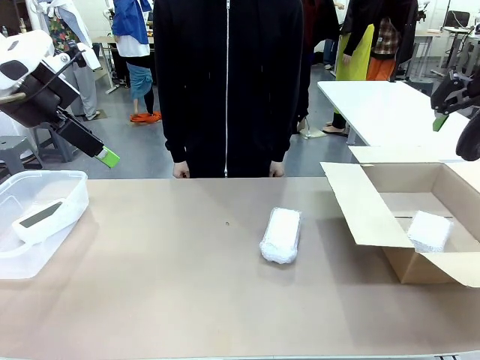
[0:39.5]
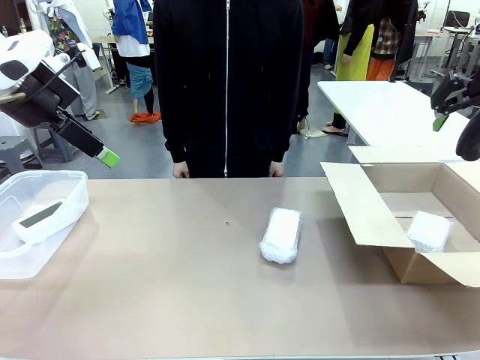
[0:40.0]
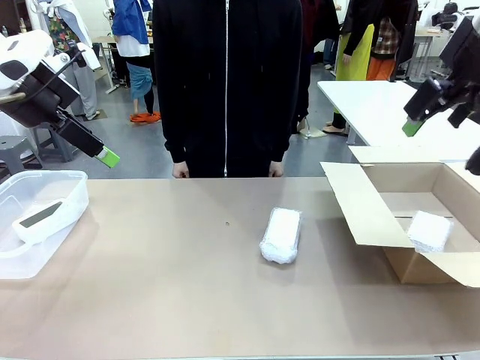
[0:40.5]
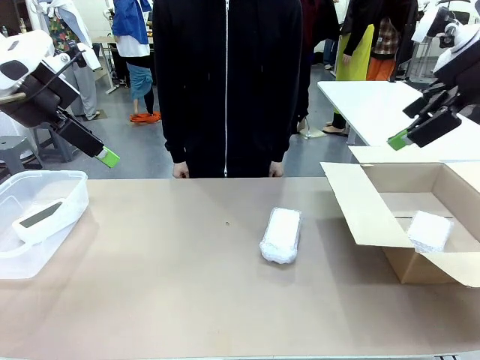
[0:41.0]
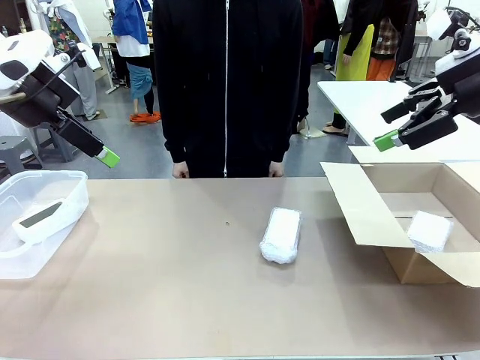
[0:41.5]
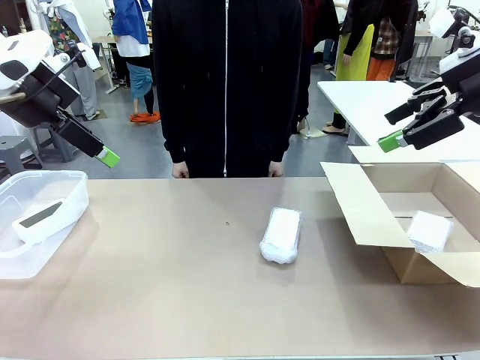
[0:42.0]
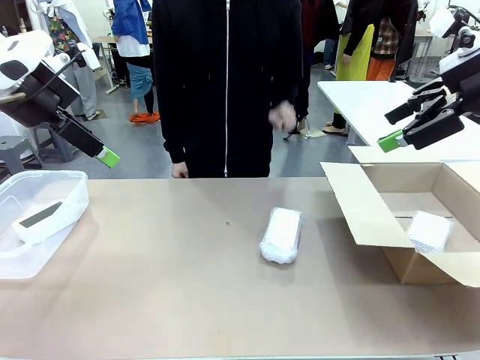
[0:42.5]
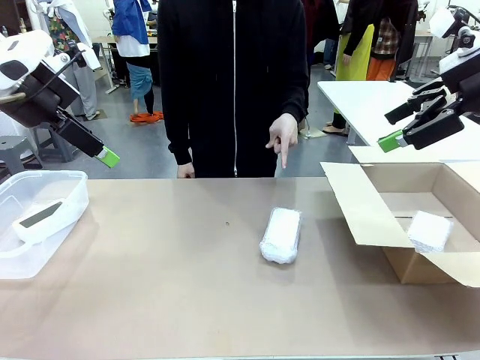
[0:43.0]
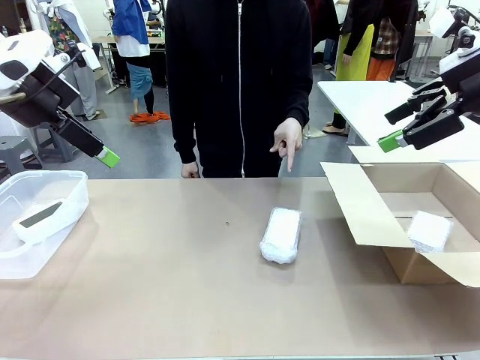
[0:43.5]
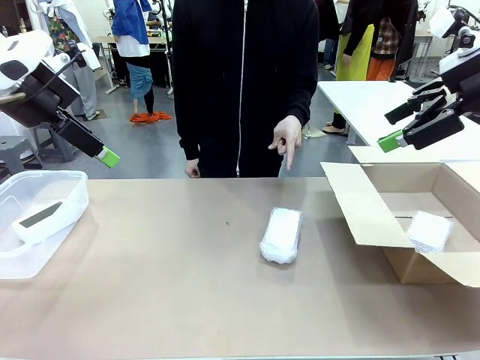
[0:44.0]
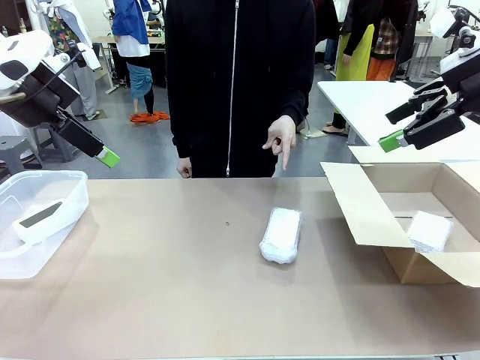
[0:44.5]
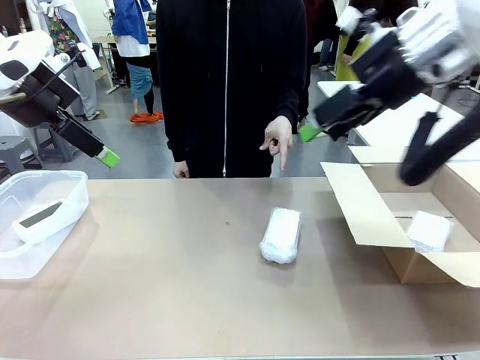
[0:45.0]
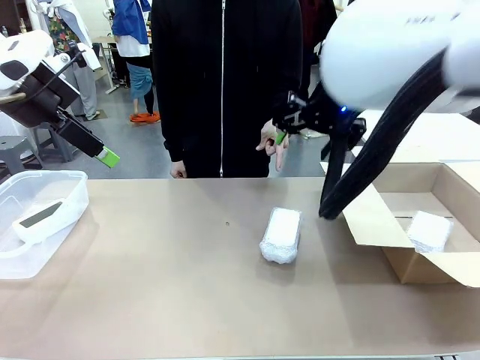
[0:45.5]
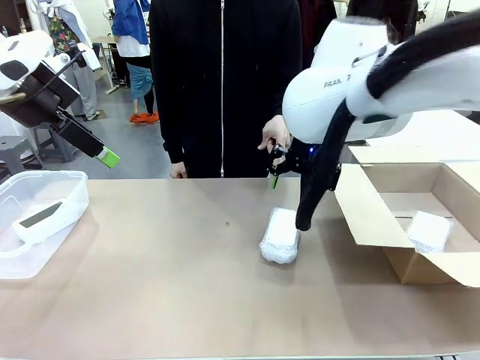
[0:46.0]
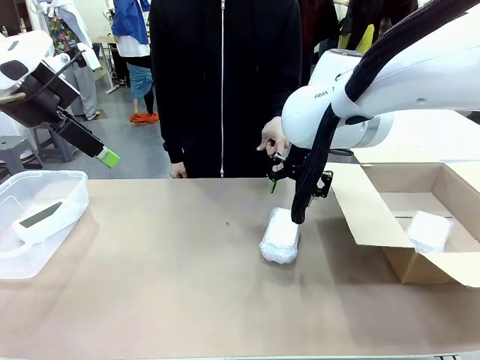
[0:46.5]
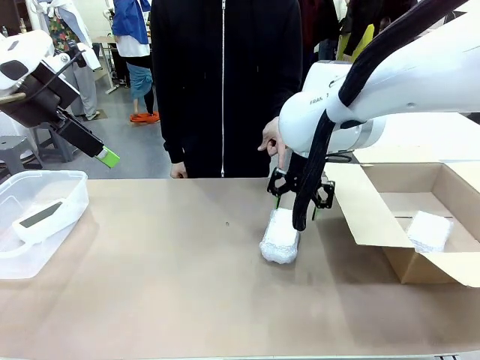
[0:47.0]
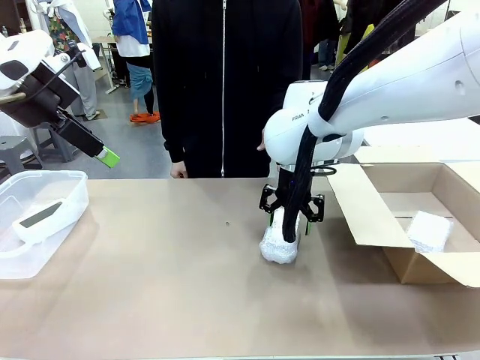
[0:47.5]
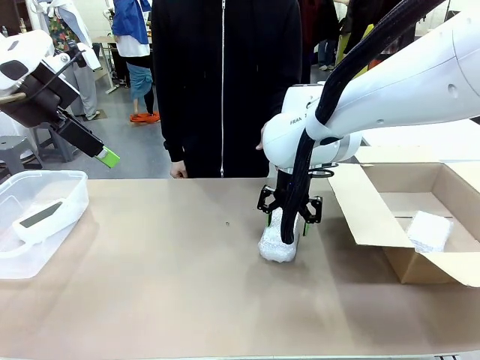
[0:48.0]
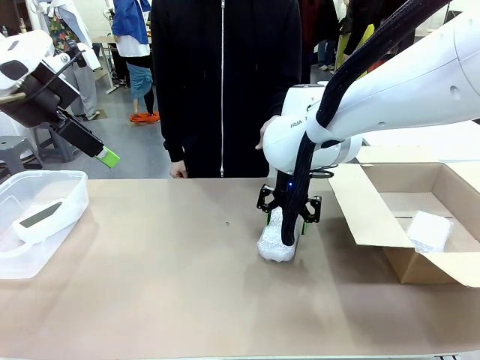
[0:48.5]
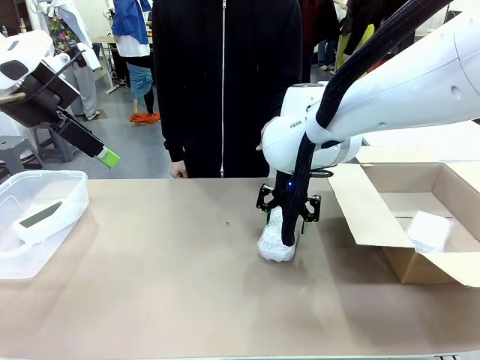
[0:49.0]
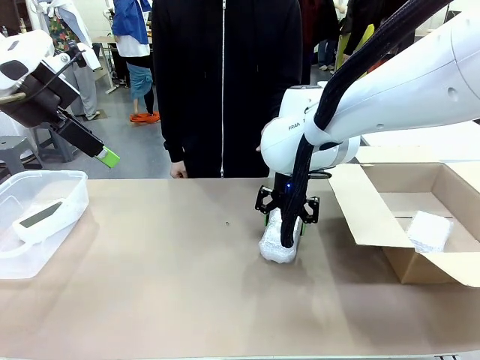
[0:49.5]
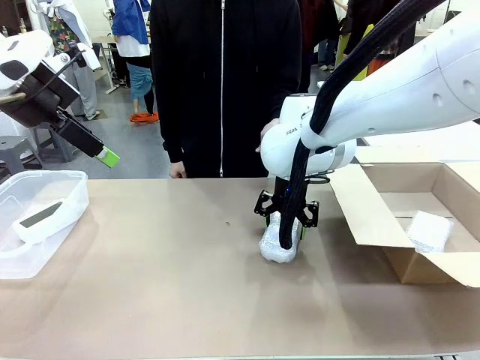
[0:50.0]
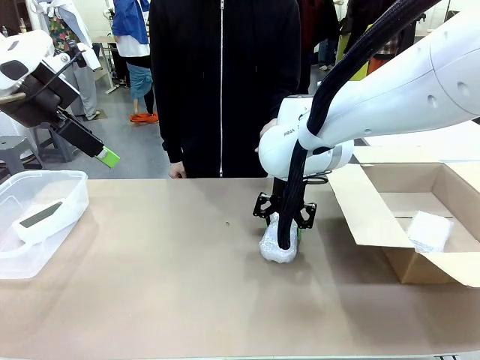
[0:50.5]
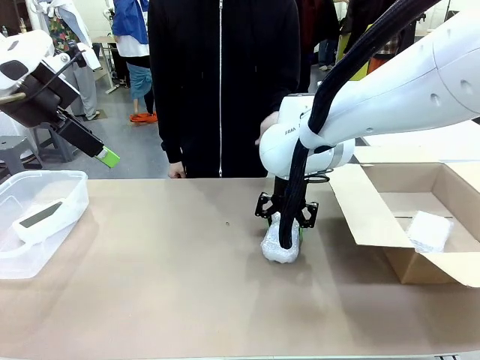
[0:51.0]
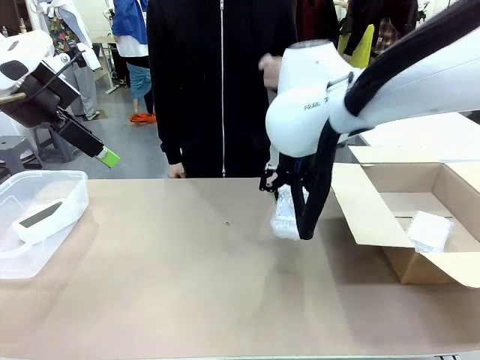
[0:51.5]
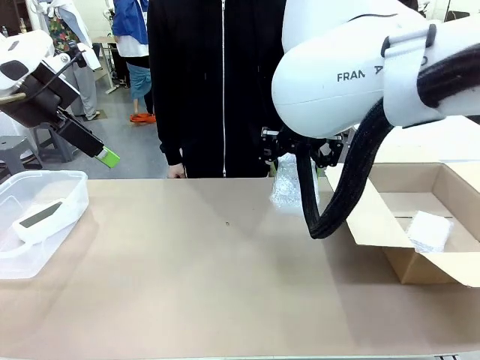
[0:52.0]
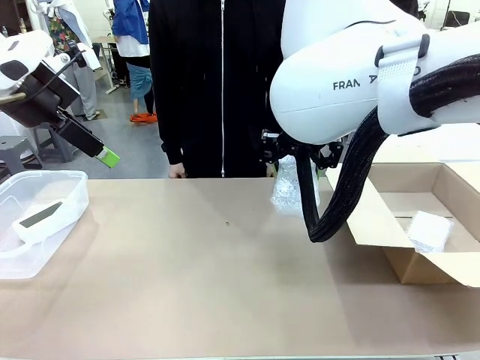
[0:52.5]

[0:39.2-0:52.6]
Task: Separate and place wrapped and unwrapped clocks.
Robot: Pick up the Digital clock indicated by the person.

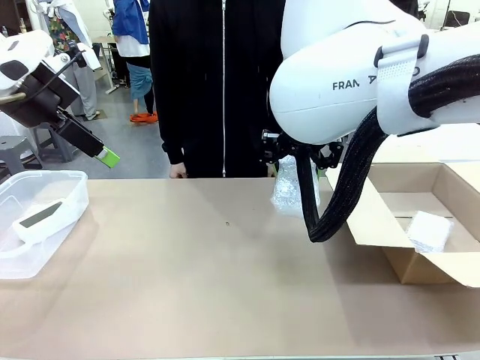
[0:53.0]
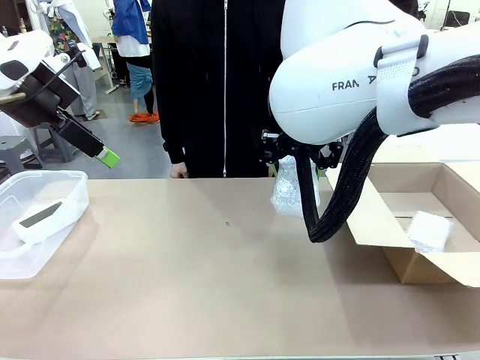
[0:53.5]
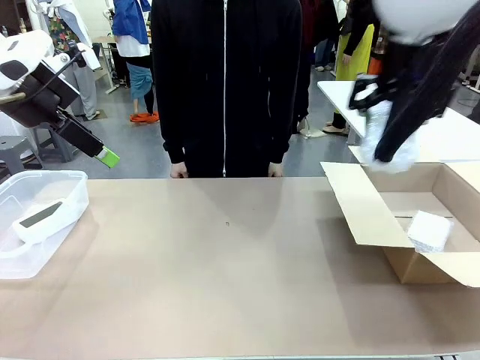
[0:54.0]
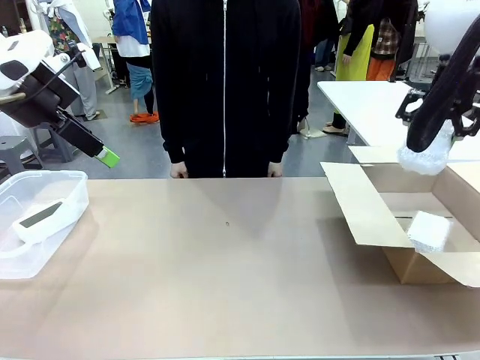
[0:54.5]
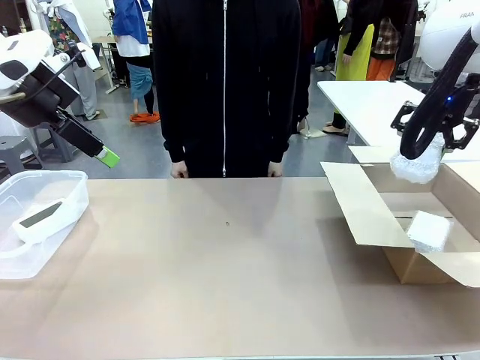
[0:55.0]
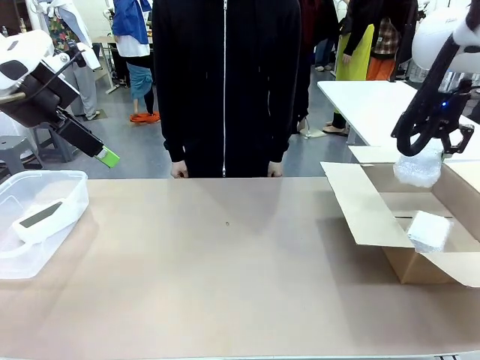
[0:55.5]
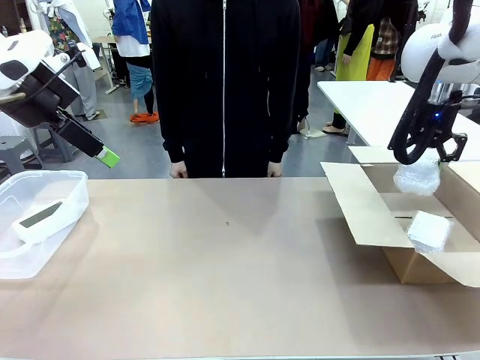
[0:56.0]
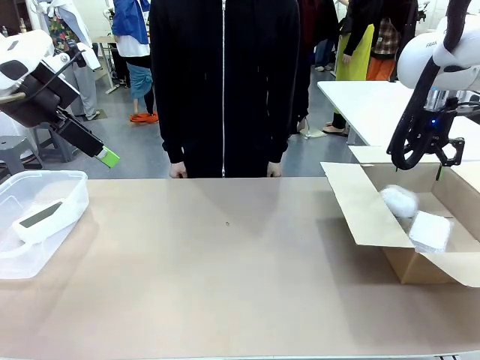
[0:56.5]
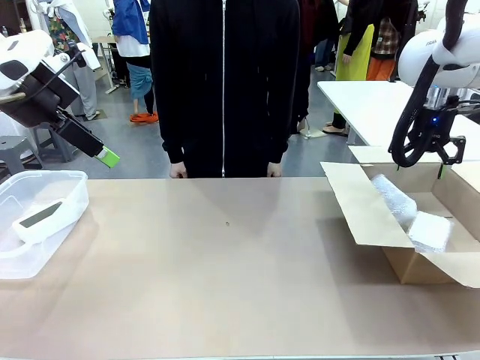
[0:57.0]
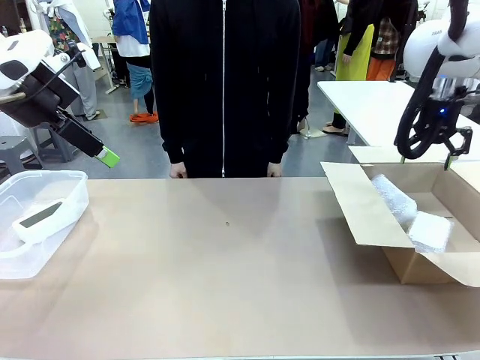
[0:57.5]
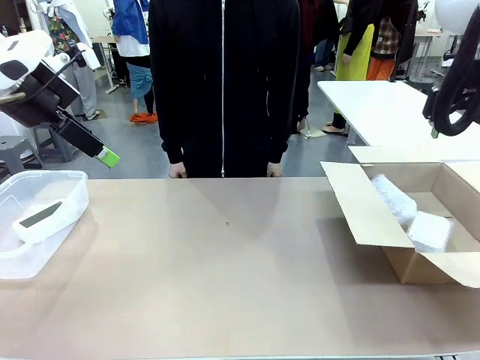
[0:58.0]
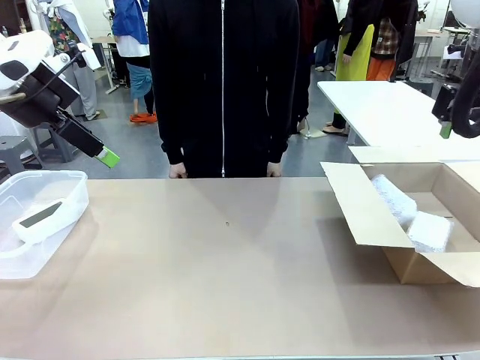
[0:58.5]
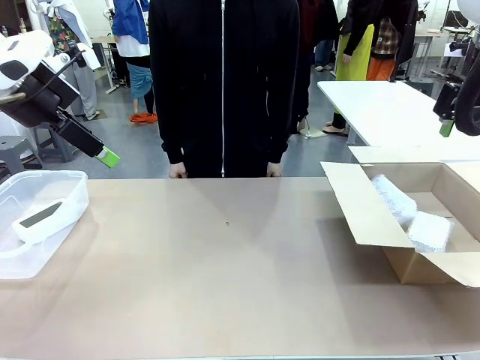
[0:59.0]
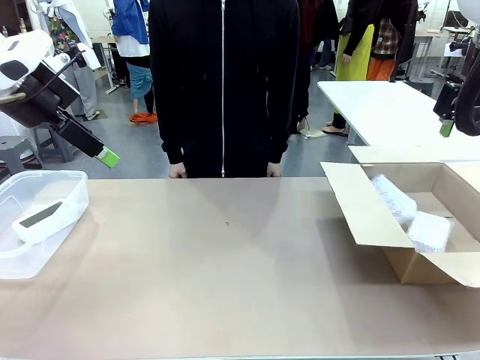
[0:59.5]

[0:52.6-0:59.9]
Robot: If the picked Digital clock is wrapped, place it in the Package Box ; if not, place it in the Organizing box.

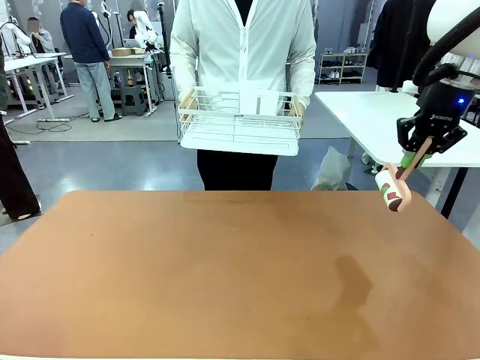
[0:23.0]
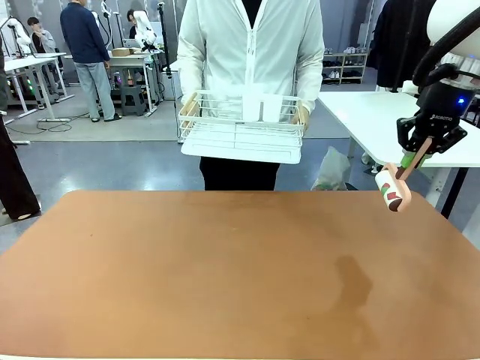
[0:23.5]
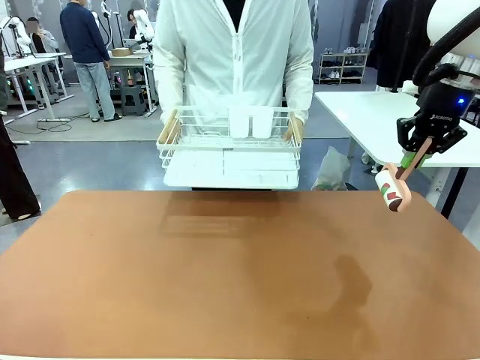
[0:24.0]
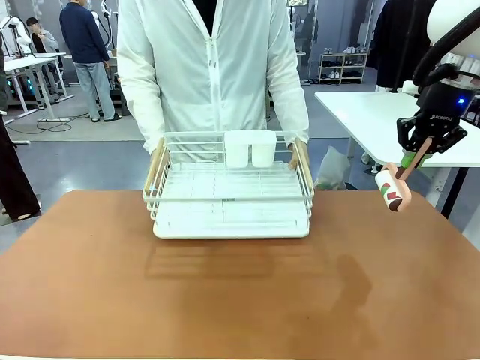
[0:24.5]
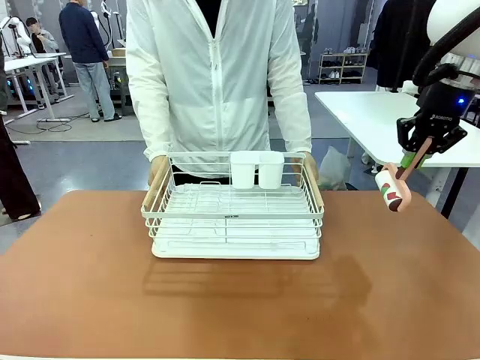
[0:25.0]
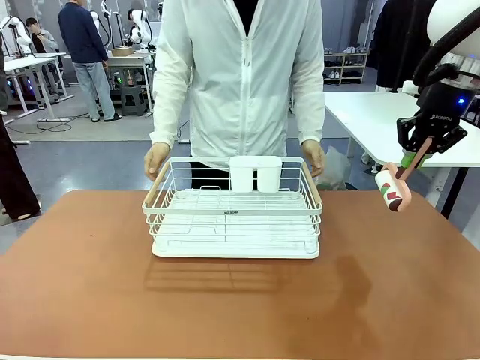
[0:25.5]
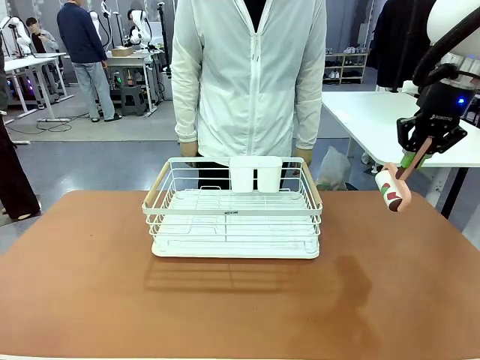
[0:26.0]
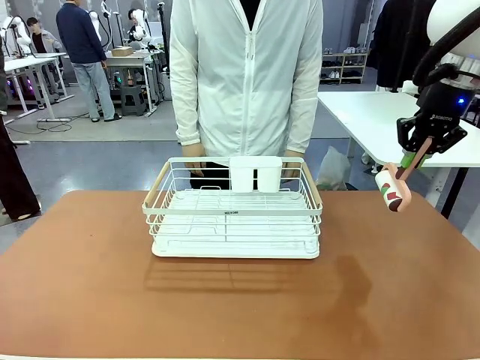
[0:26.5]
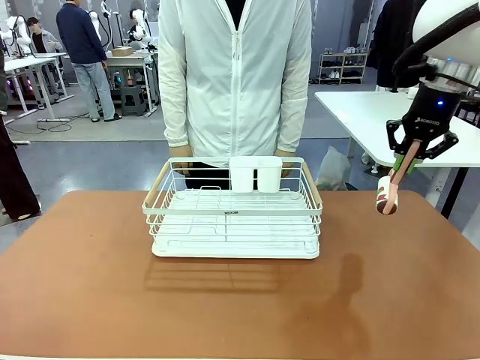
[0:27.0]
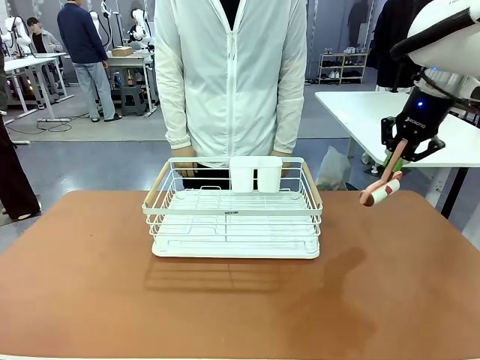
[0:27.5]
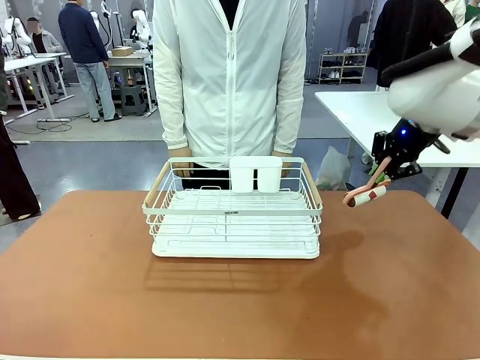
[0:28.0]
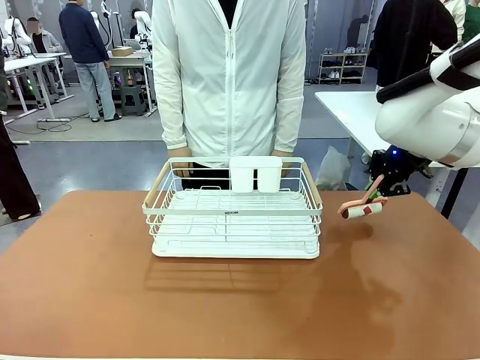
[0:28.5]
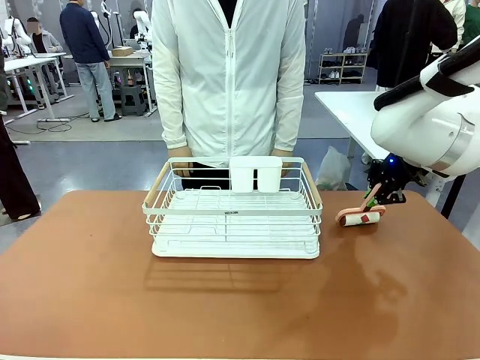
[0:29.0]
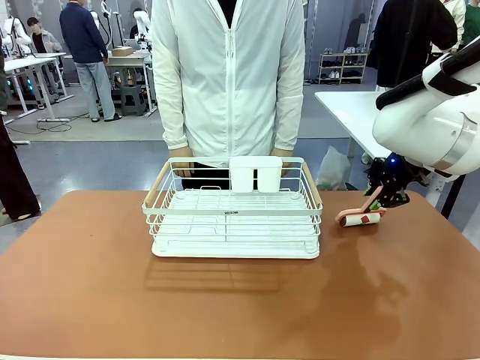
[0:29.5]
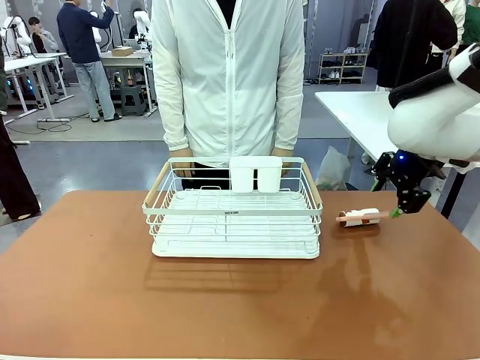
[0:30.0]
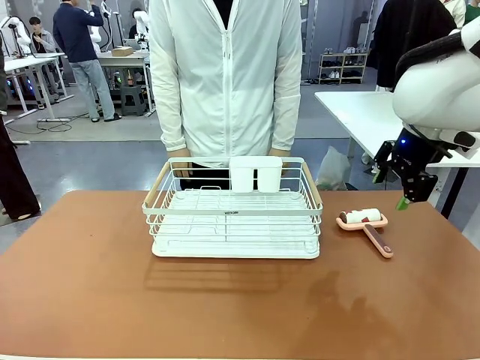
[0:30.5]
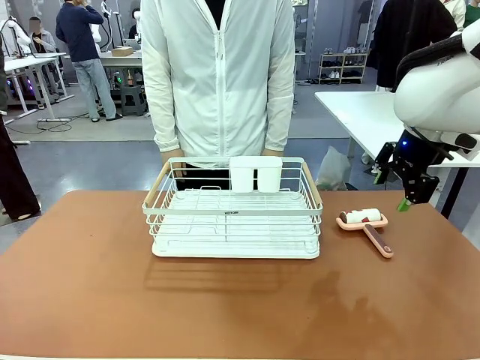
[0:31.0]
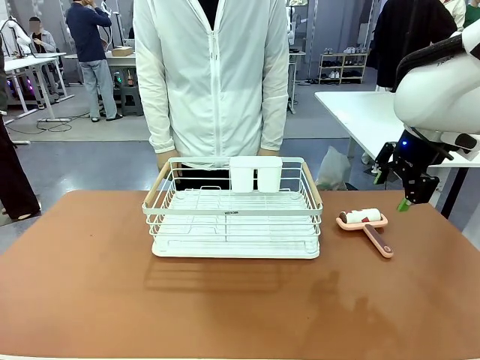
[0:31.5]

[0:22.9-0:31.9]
Task: Clean the table.
Robot: Place the Lint Roller down when the Dish drying rack is positioned in the middle of the table.
